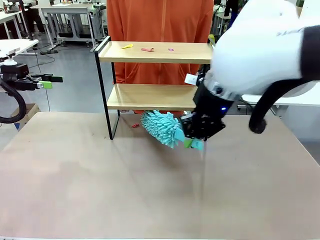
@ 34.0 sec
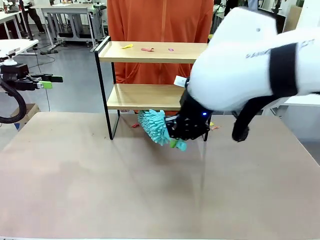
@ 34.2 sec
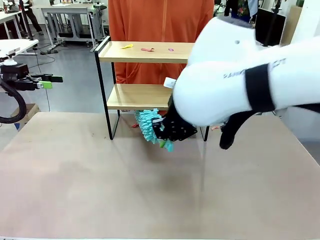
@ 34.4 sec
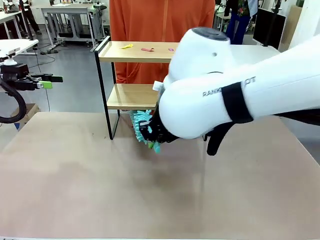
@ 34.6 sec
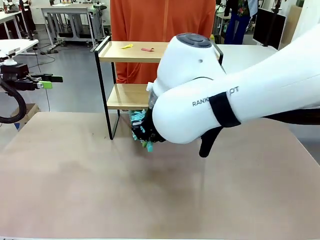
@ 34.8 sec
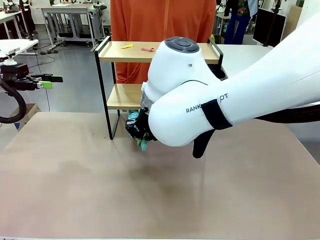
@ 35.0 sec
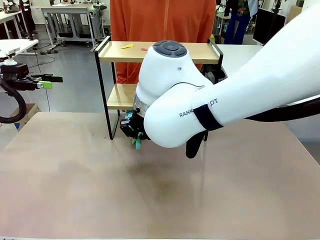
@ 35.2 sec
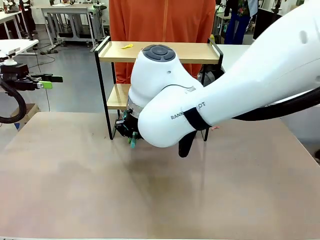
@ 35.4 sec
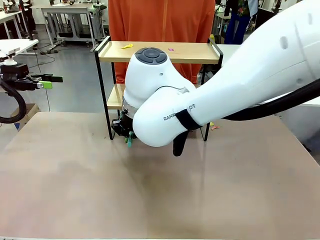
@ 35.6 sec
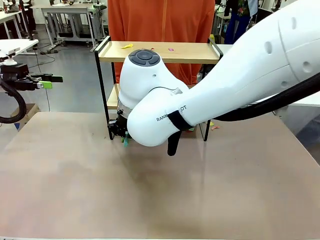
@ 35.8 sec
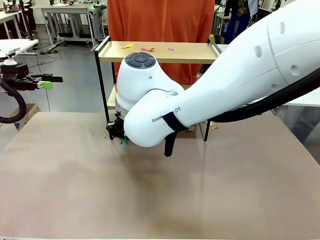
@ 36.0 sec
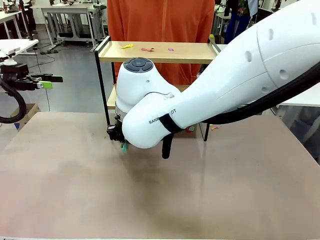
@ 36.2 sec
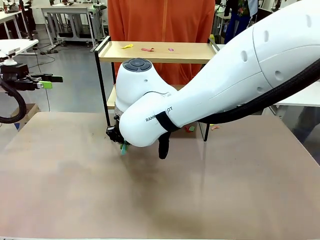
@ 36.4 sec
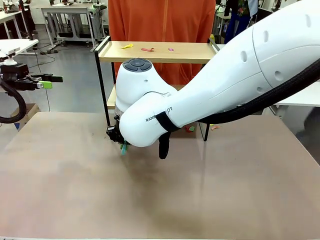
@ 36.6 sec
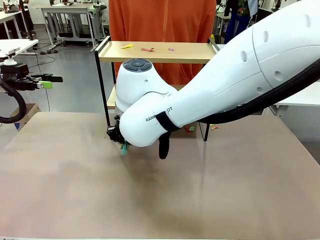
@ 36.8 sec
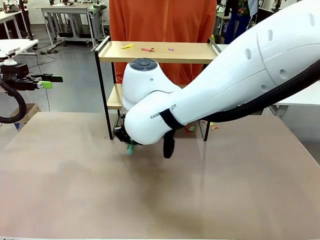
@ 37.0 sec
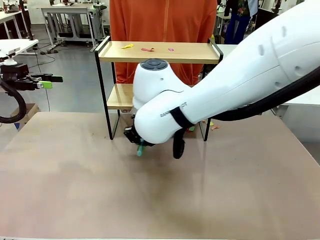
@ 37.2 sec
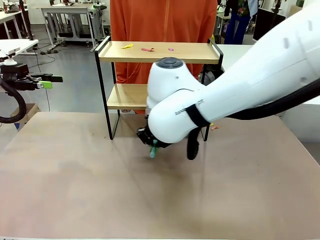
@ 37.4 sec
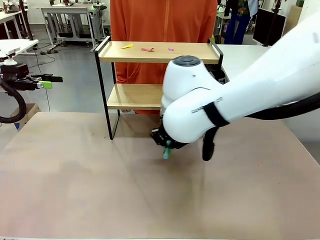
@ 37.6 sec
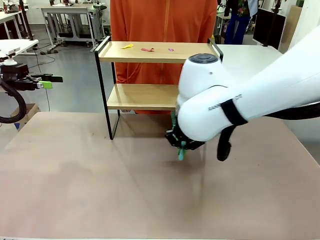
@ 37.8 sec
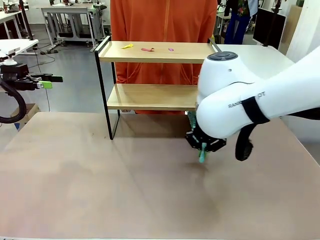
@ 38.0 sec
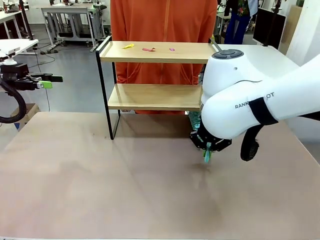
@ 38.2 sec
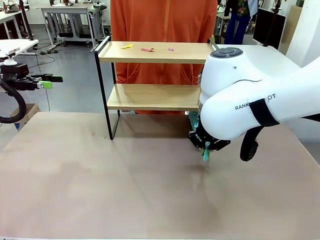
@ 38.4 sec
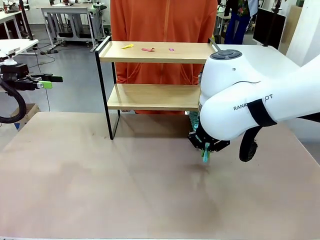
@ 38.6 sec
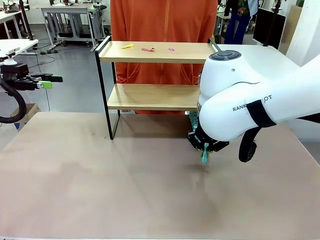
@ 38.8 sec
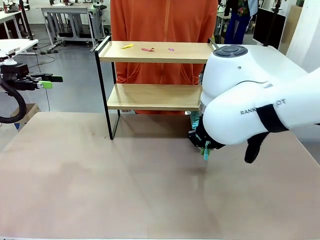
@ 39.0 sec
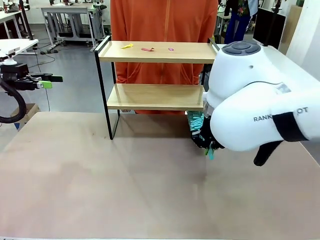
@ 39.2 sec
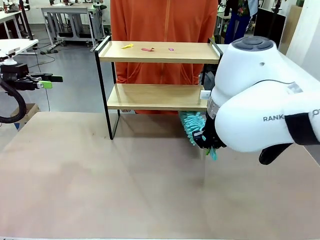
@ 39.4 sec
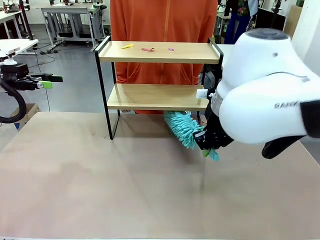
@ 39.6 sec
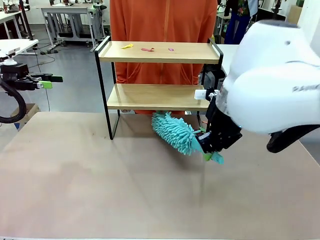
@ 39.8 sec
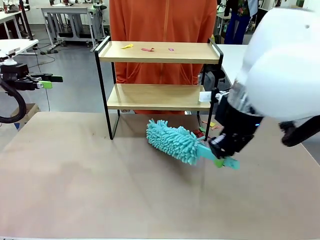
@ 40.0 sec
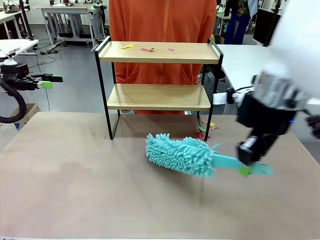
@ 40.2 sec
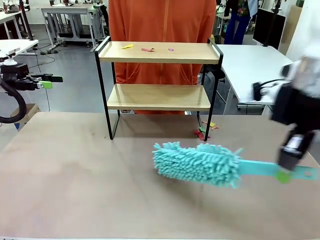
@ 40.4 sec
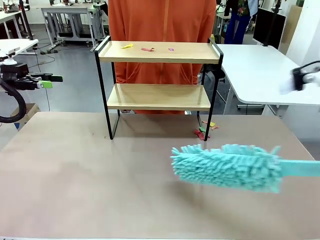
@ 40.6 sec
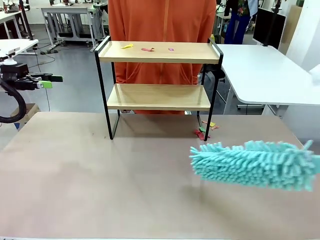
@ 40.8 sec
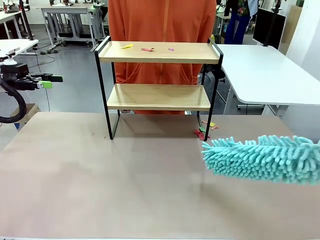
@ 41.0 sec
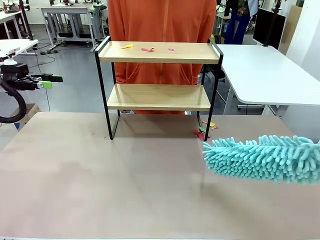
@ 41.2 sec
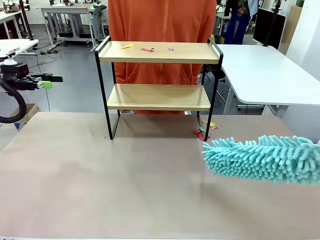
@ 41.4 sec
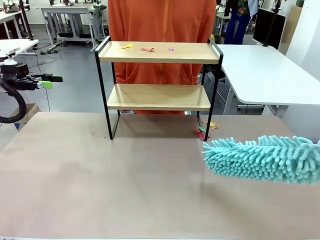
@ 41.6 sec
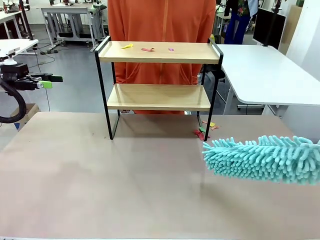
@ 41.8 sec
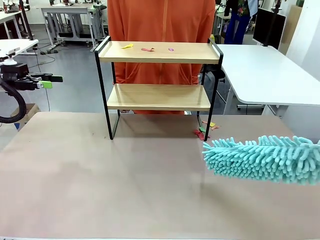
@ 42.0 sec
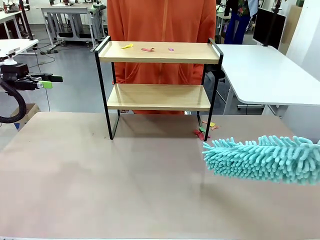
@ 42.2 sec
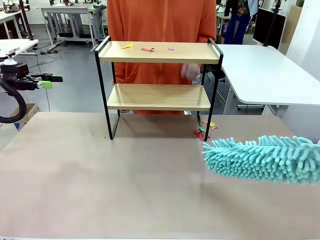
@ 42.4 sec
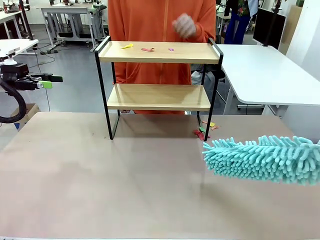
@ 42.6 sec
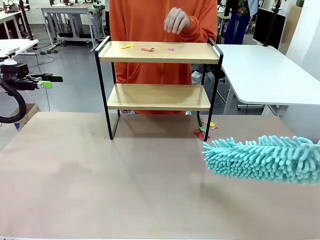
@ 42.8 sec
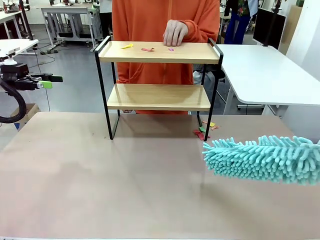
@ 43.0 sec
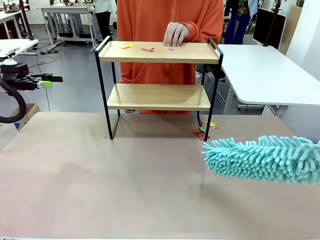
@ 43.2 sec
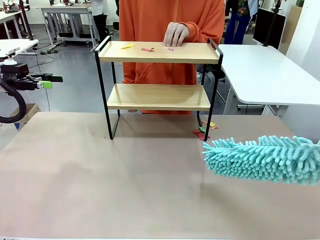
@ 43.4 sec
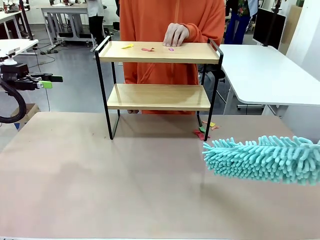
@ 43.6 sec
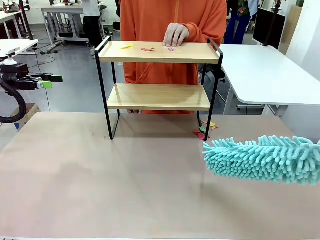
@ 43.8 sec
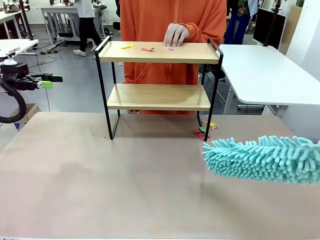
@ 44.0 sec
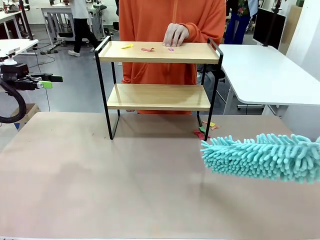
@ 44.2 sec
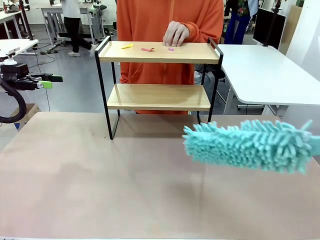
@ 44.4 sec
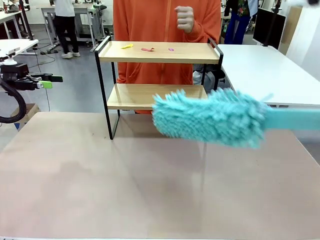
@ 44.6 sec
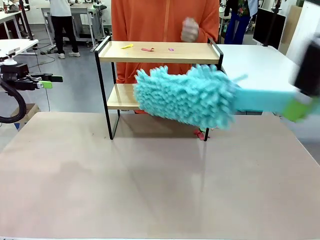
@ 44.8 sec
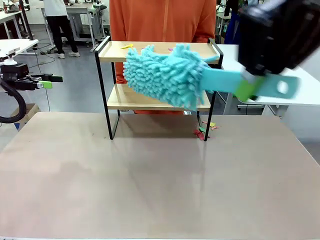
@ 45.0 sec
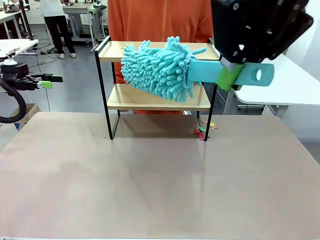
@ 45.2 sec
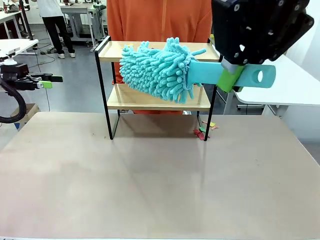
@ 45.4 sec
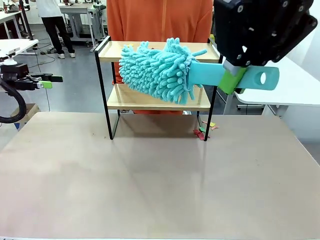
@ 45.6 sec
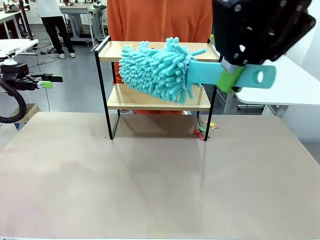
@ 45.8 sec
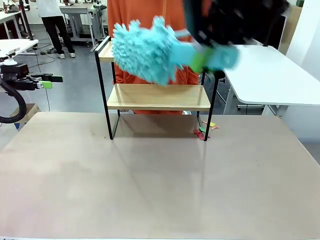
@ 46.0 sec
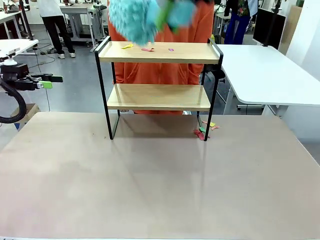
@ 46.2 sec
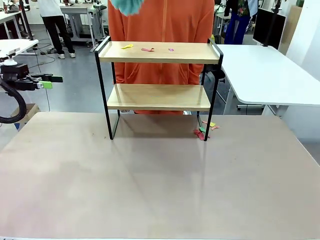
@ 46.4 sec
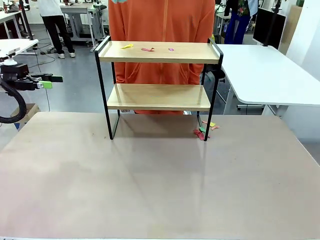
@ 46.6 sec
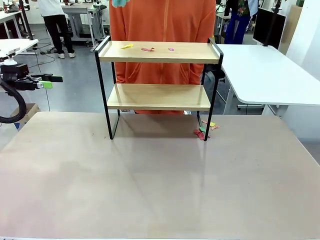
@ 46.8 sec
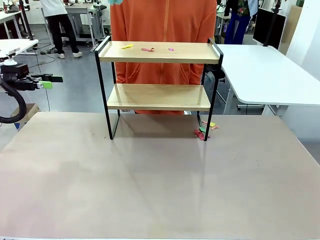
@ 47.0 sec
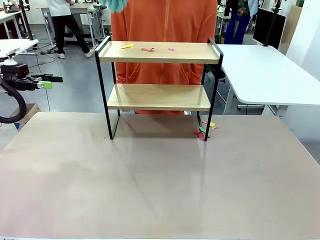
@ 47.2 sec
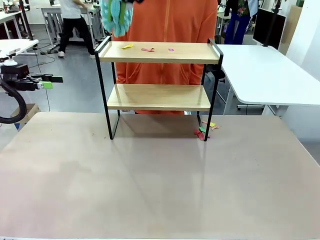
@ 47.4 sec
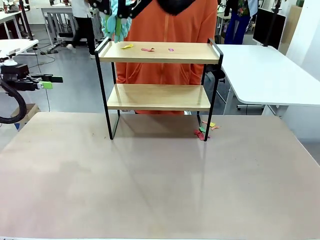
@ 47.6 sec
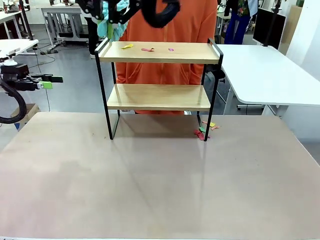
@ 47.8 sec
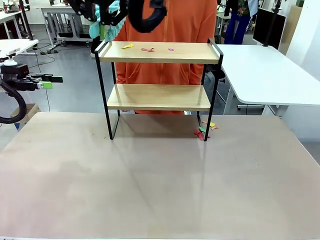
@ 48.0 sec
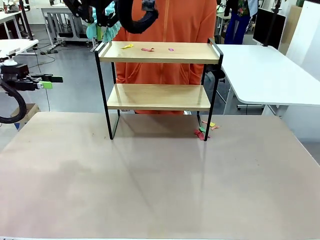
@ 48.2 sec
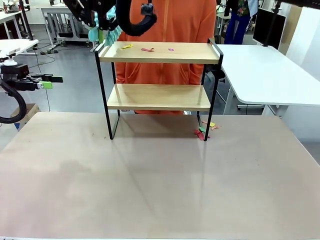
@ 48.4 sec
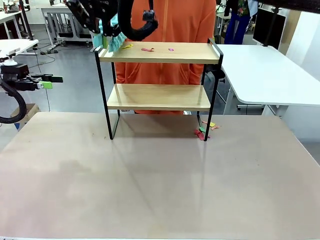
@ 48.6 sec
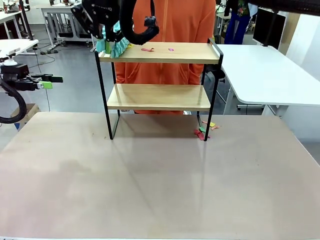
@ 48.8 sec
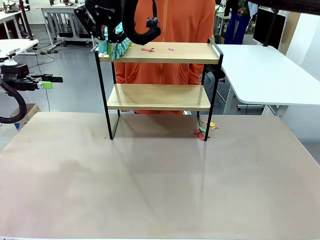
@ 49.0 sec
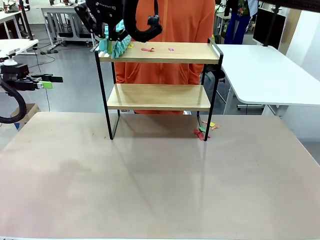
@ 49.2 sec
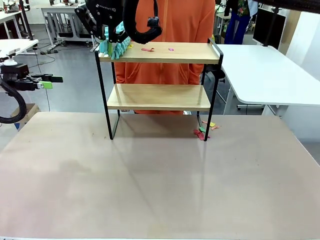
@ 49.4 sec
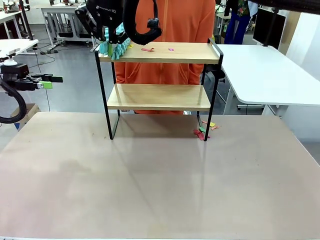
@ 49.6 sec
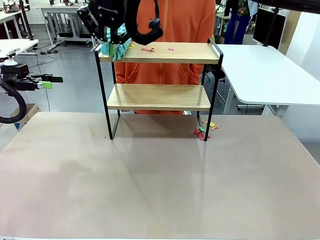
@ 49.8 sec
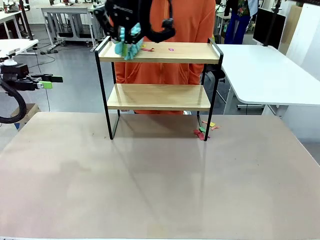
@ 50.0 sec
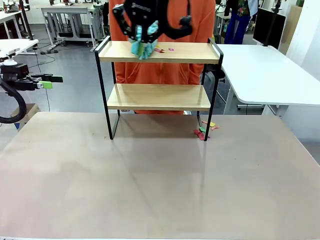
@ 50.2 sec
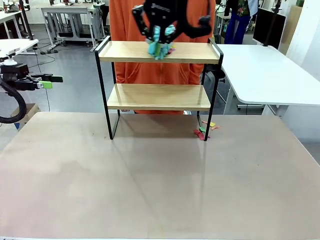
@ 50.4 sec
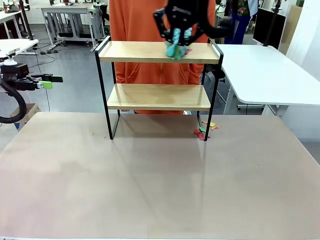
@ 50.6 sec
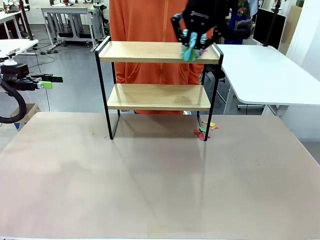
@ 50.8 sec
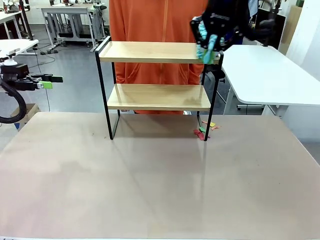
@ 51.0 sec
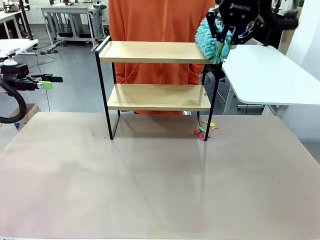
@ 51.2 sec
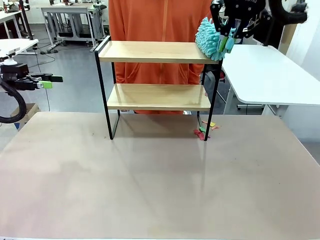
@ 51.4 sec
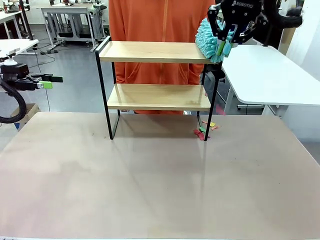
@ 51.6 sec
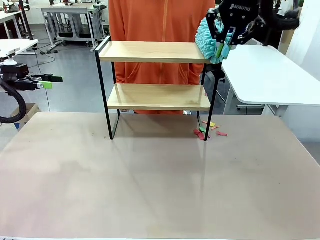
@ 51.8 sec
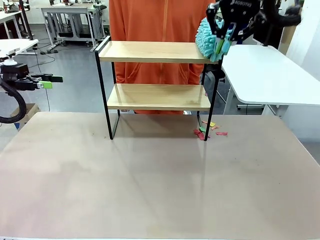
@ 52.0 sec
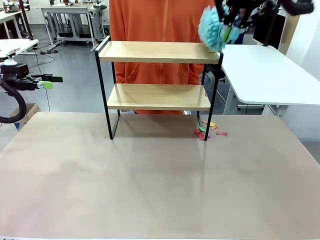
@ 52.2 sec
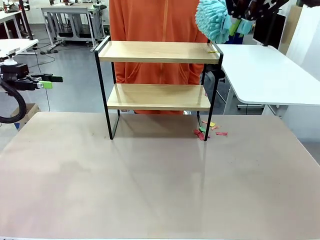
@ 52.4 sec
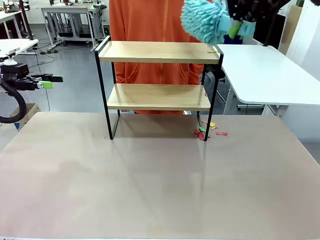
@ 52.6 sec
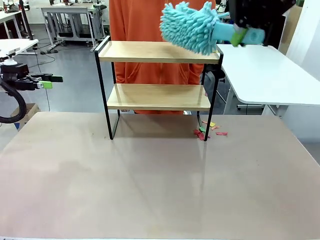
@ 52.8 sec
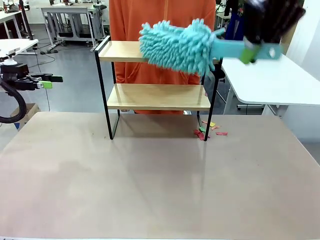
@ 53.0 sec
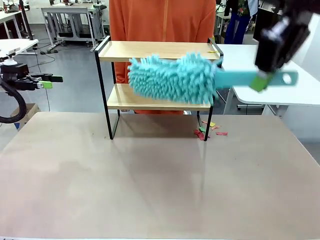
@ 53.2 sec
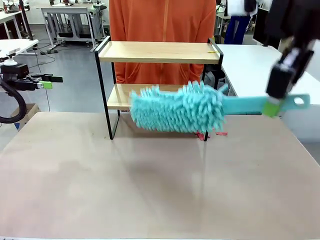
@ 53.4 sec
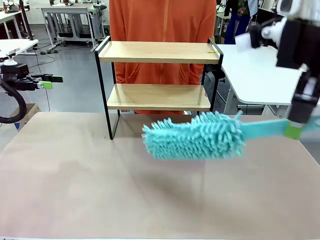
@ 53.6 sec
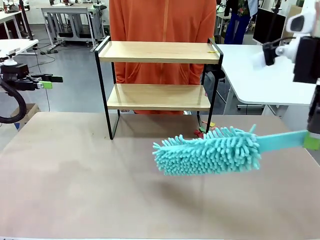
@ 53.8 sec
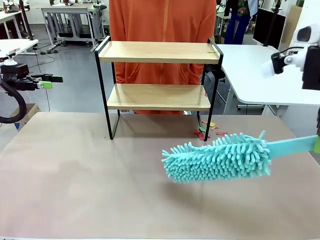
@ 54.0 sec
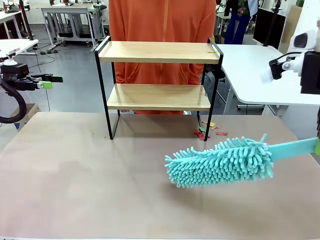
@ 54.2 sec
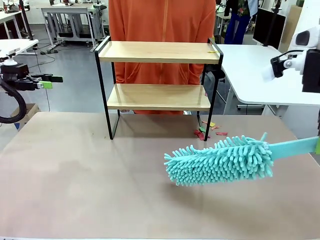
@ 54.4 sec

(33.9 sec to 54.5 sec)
Task: Clean the shelf.
Robot: Clean the specific section of the Shelf indicated by the human with the Duster.
Person: Point a remaining section of the Shelf.
